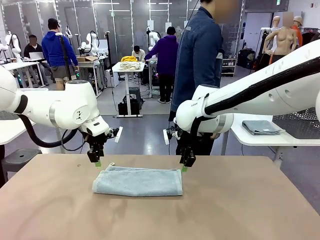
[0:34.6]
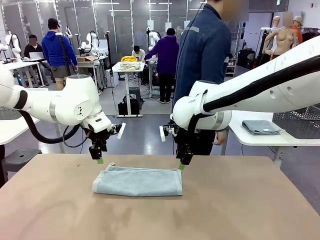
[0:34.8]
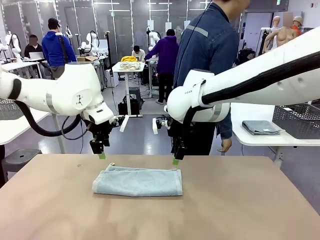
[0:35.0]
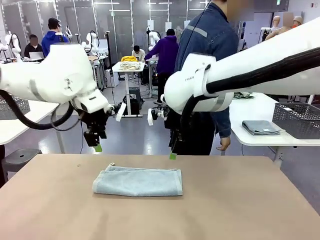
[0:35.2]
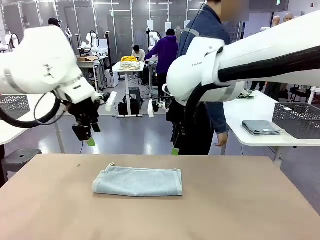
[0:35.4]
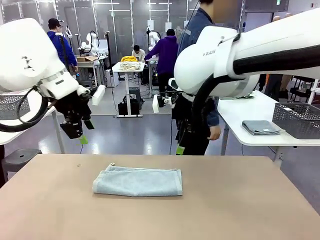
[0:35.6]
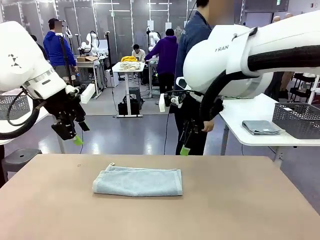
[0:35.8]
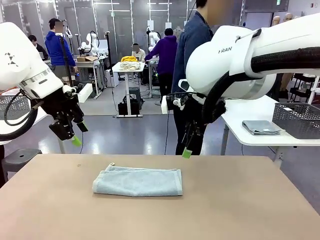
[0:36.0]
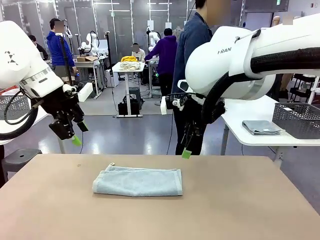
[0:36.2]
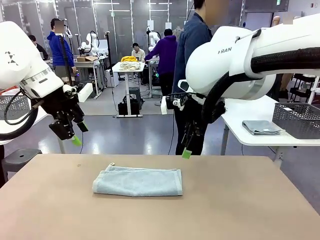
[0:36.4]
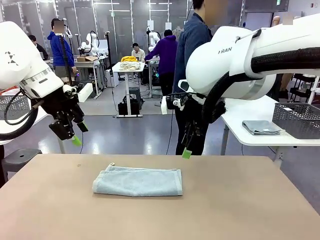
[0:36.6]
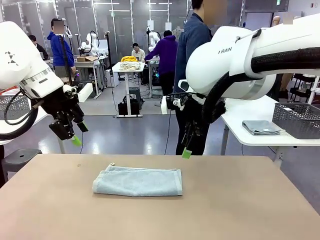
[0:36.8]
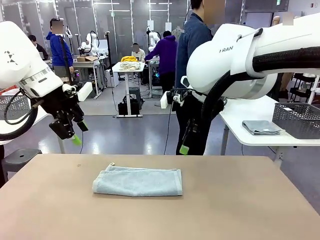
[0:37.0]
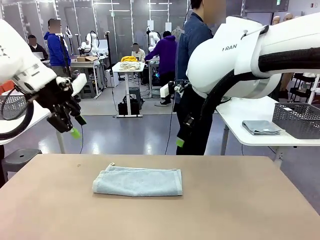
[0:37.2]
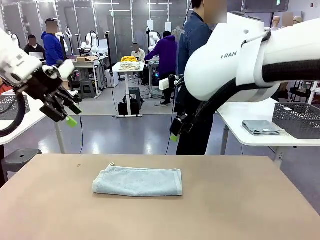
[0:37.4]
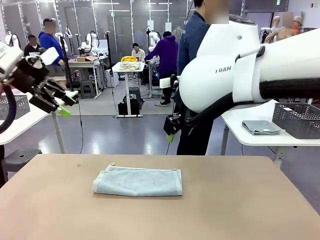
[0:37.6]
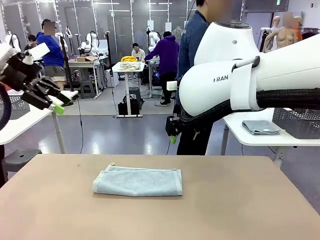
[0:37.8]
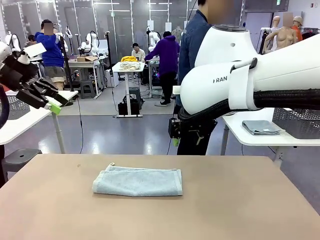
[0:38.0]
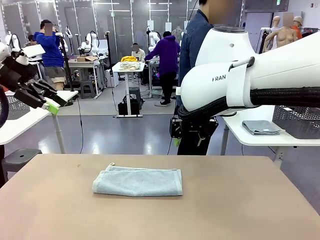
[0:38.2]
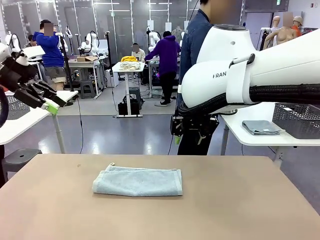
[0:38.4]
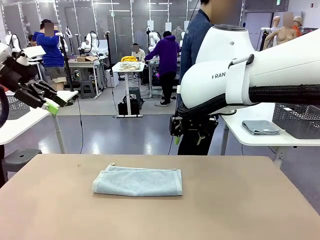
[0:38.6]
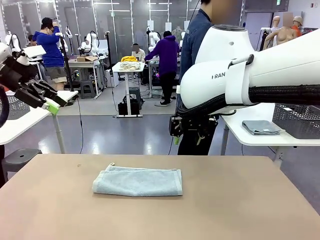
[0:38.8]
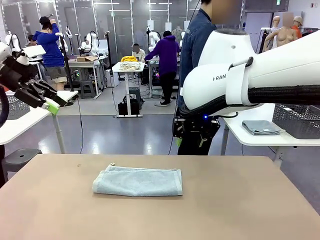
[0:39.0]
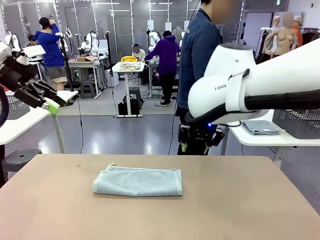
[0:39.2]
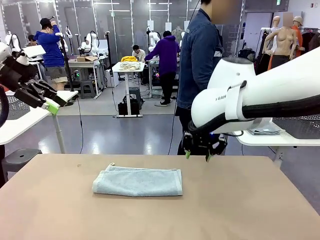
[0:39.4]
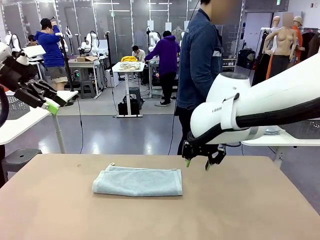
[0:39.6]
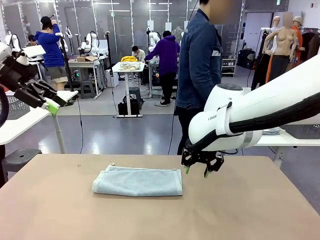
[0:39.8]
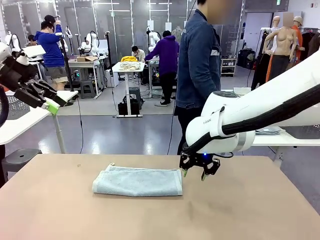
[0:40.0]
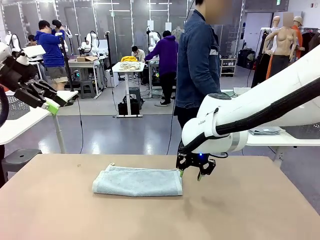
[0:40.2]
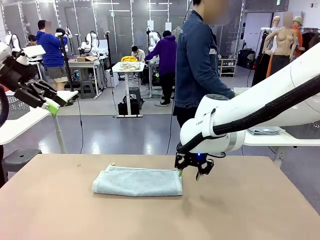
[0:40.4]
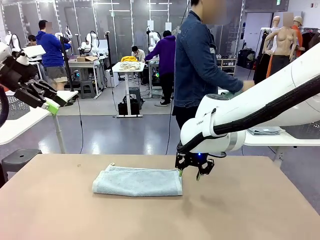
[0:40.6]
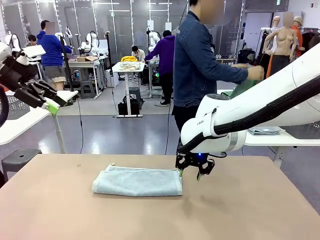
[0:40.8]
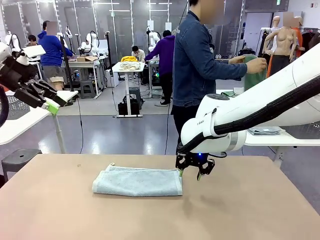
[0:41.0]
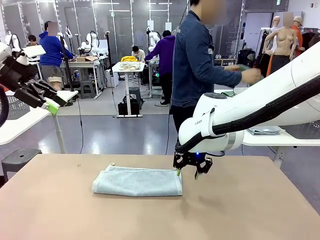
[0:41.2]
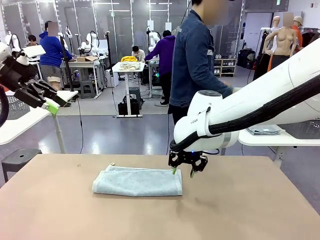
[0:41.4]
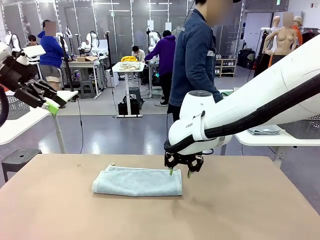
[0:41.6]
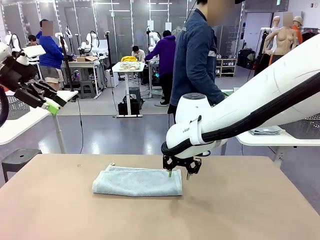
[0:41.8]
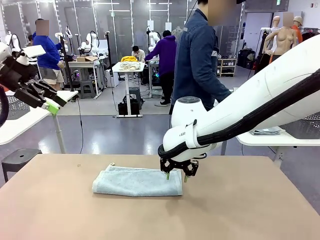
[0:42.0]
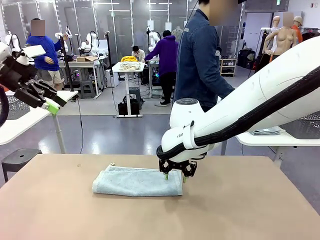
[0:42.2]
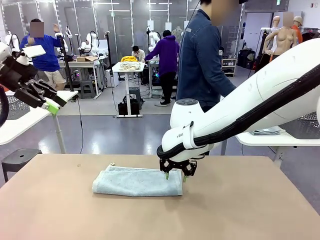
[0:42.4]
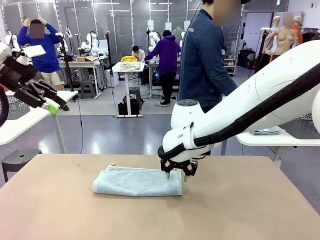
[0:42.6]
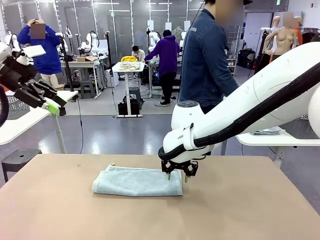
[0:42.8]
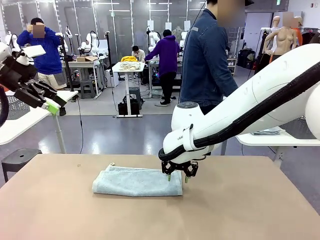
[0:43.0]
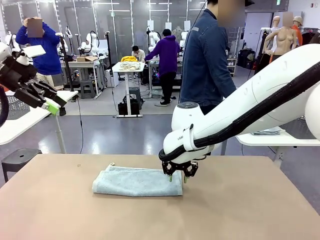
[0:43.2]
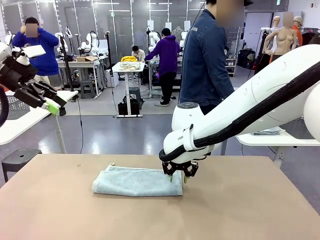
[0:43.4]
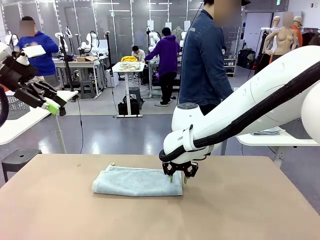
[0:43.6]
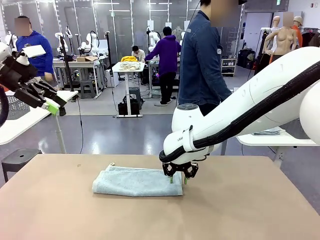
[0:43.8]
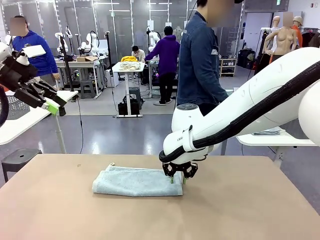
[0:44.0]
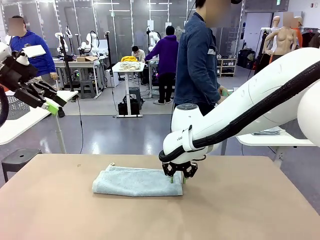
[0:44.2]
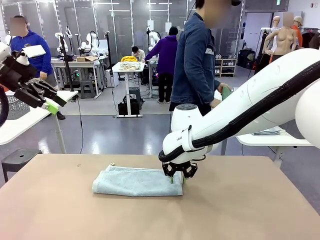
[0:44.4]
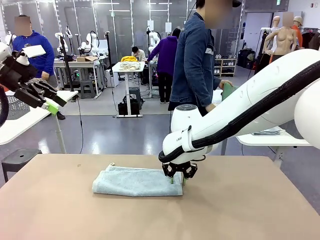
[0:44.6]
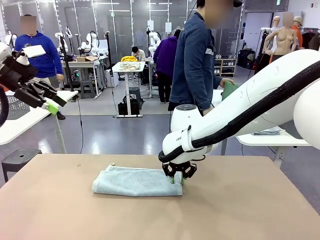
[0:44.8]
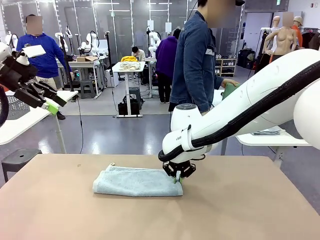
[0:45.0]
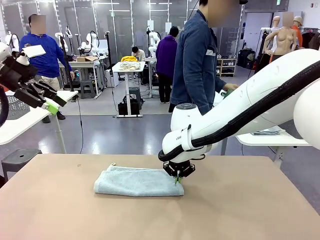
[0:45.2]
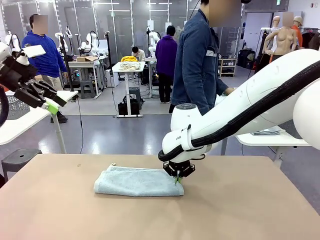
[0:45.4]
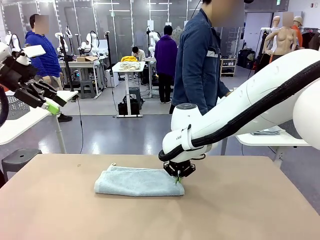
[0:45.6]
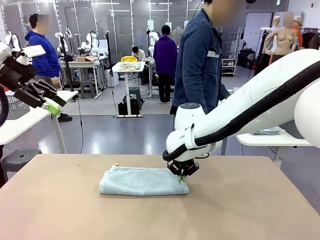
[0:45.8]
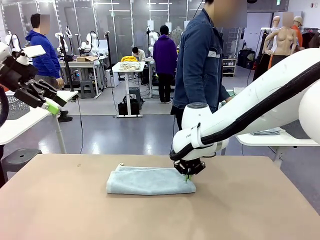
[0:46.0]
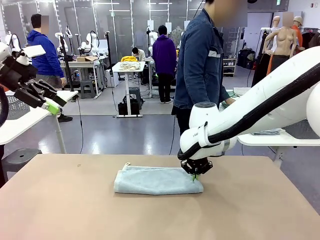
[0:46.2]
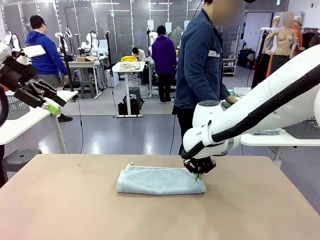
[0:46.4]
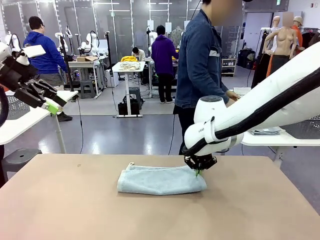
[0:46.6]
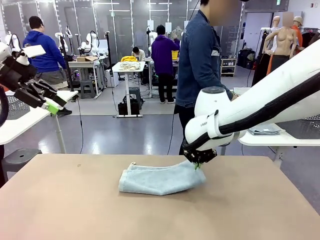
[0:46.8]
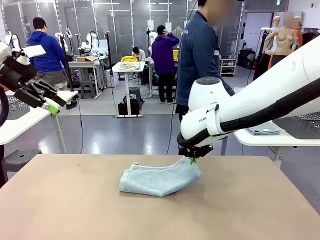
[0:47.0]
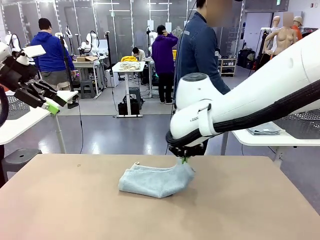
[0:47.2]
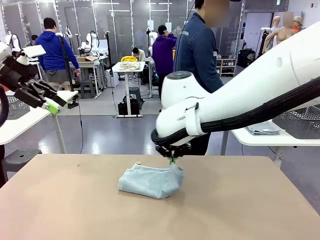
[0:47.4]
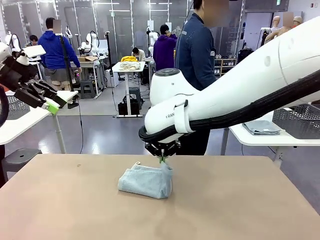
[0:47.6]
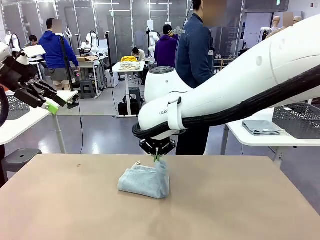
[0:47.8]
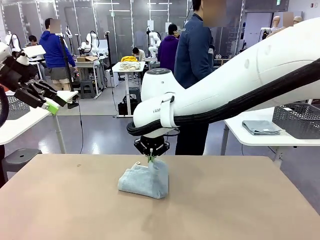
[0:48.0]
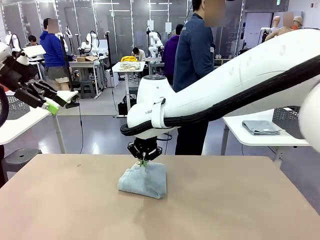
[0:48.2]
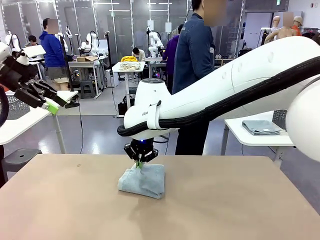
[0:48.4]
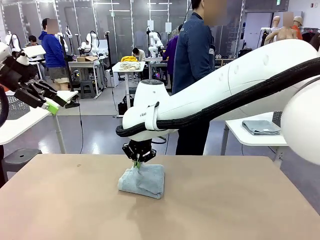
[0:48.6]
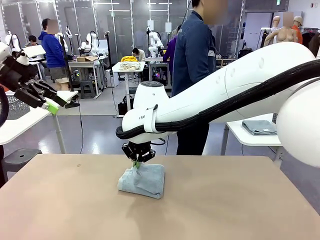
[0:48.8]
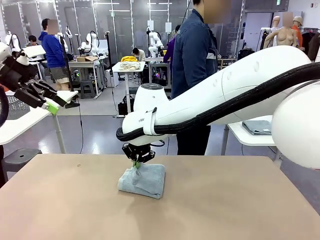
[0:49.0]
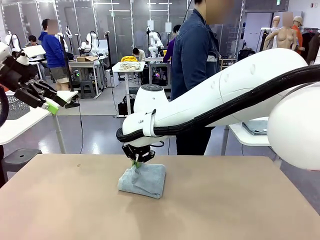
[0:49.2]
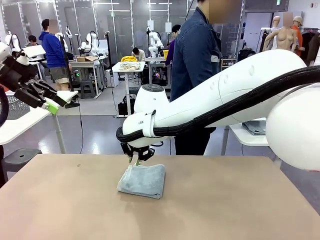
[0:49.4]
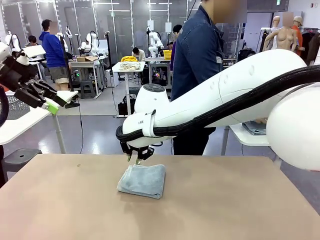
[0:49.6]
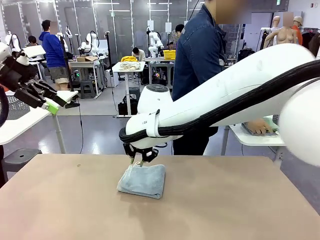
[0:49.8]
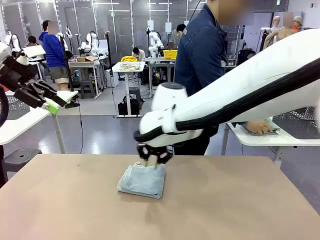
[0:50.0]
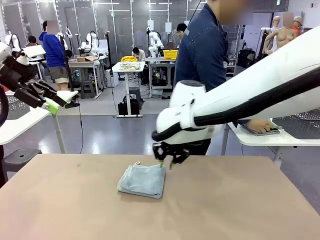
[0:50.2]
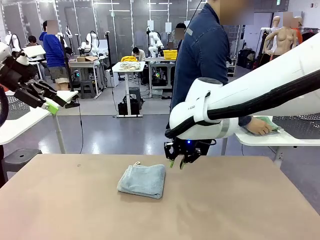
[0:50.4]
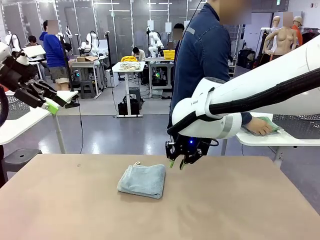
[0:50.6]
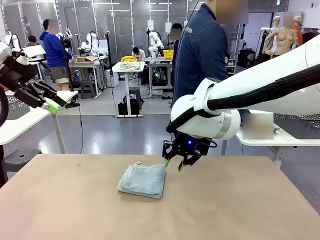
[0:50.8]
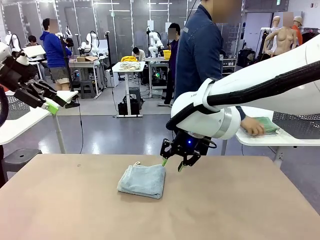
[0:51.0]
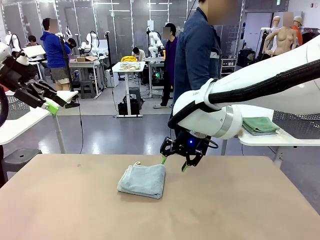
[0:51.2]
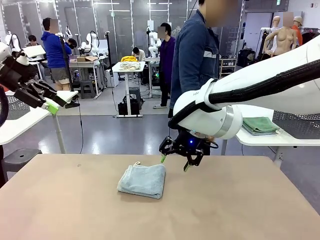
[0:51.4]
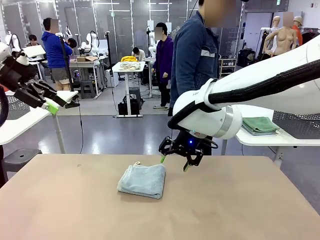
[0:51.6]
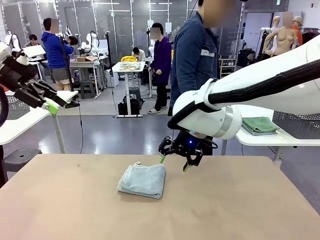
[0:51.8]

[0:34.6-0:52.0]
Task: Fold the towels and place them in the basket.
Robot: When a person lays out a Towel with hook on the table, fold it in half twice.
Person: Pick up one towel from the left side of the human table, fold it in half twice, and stack it on the right side of the table.
